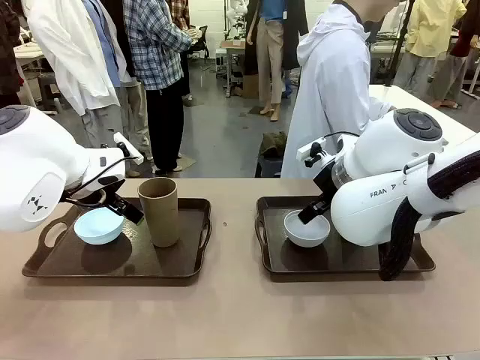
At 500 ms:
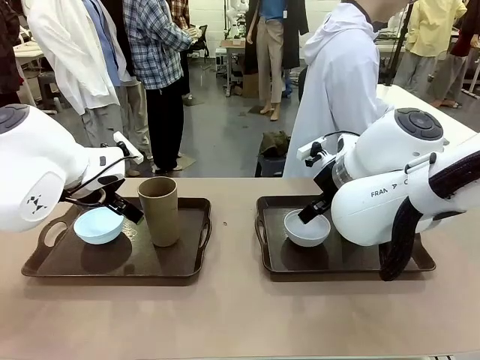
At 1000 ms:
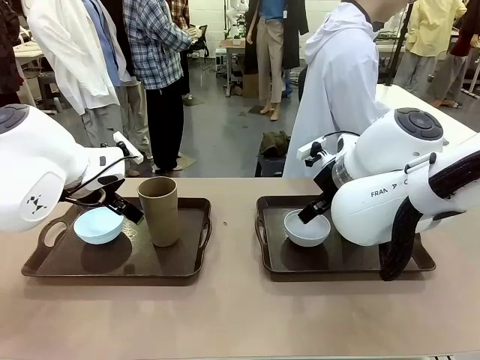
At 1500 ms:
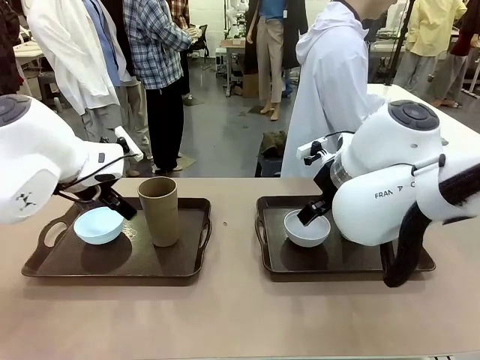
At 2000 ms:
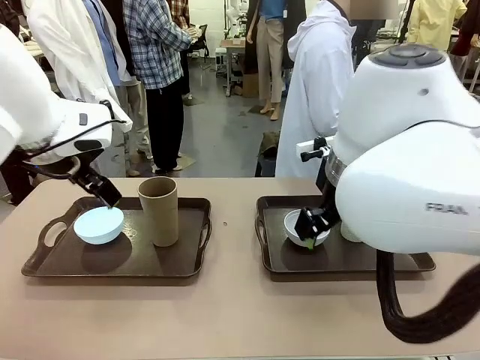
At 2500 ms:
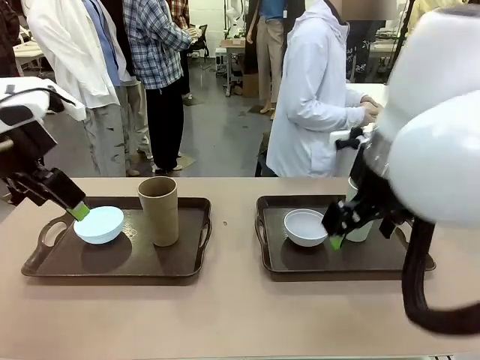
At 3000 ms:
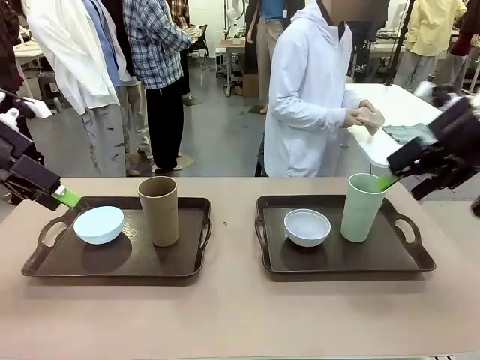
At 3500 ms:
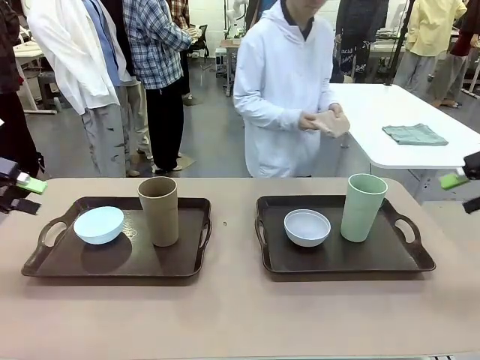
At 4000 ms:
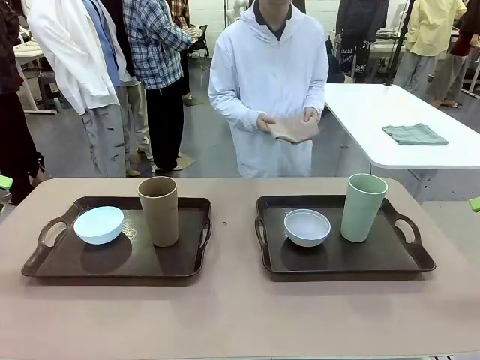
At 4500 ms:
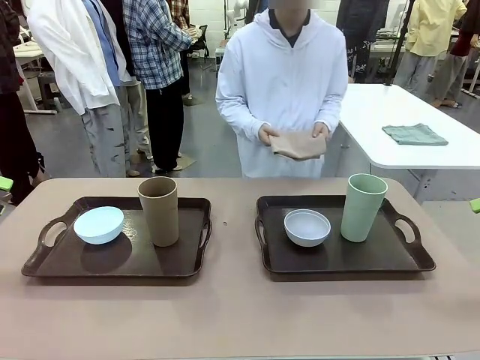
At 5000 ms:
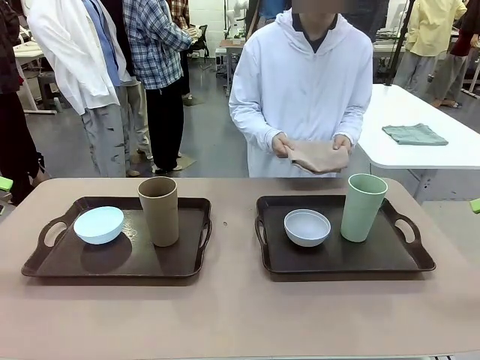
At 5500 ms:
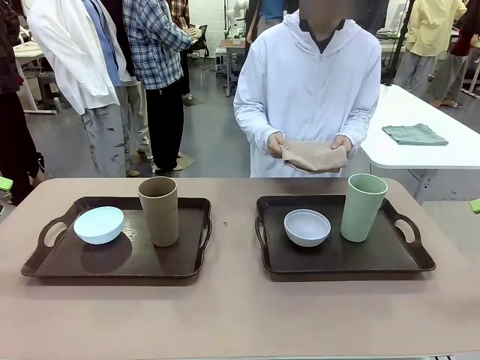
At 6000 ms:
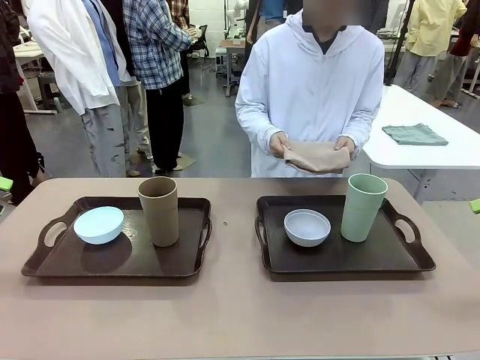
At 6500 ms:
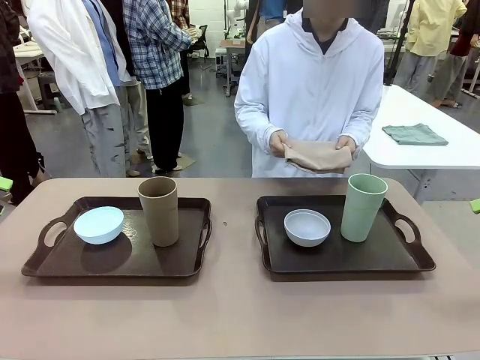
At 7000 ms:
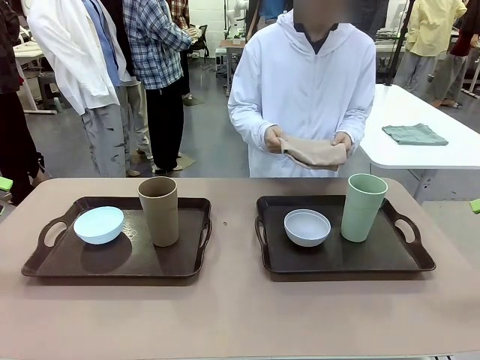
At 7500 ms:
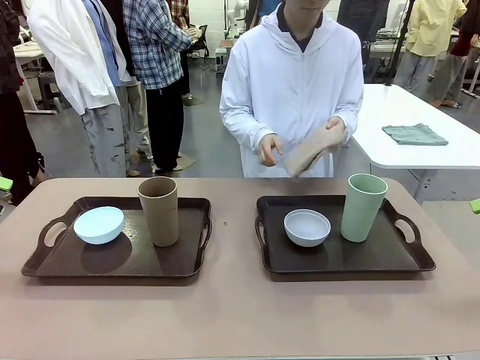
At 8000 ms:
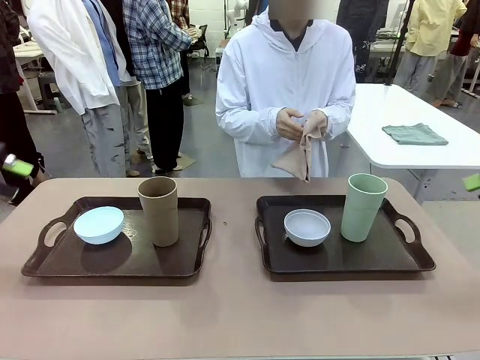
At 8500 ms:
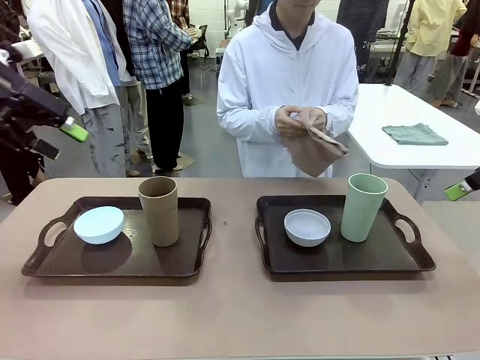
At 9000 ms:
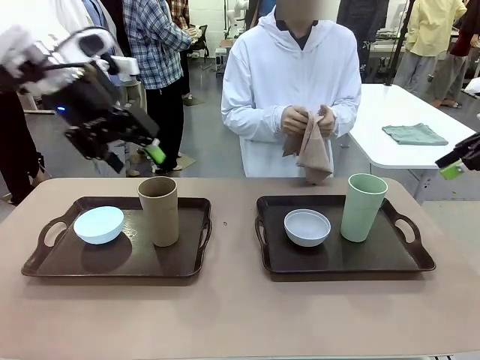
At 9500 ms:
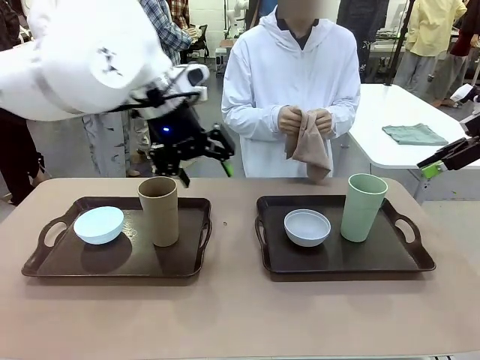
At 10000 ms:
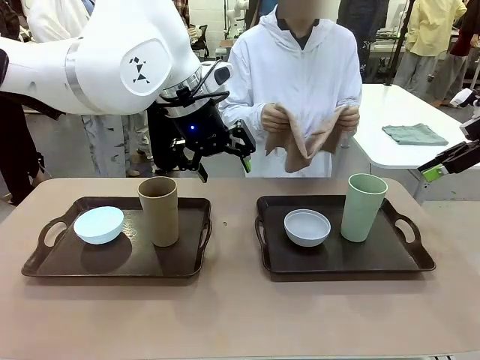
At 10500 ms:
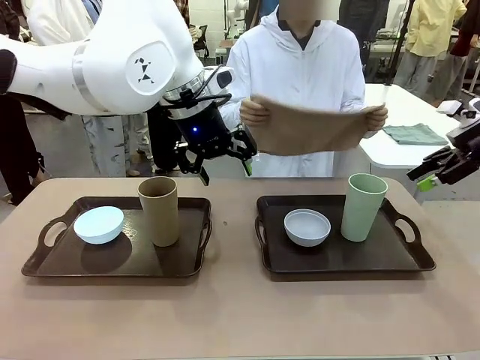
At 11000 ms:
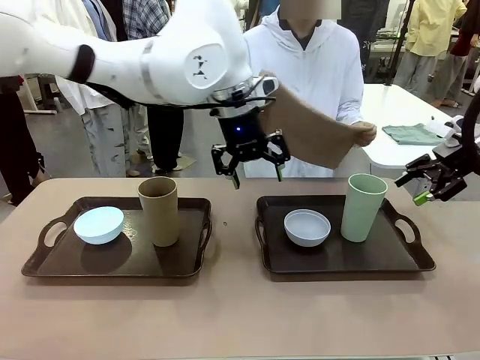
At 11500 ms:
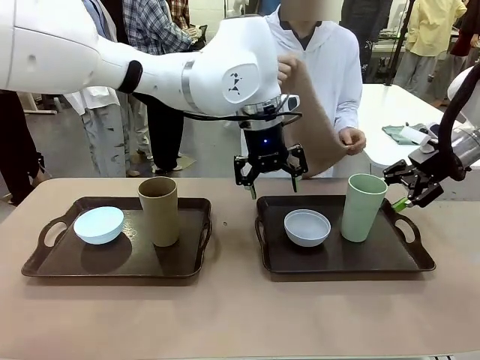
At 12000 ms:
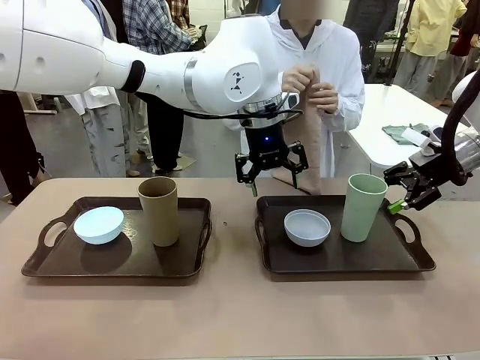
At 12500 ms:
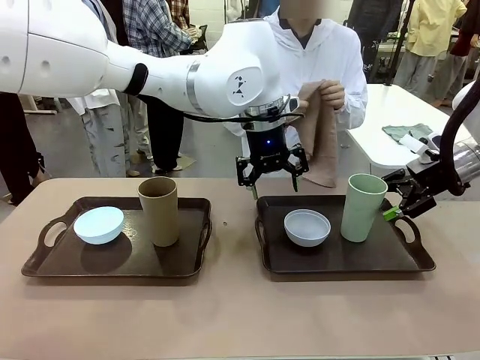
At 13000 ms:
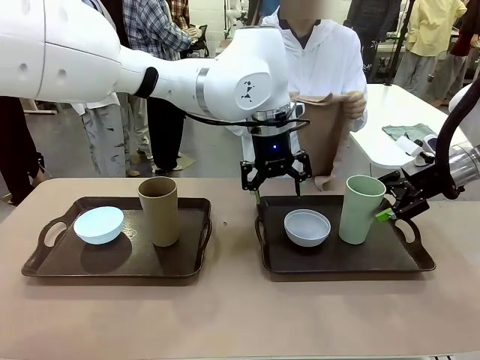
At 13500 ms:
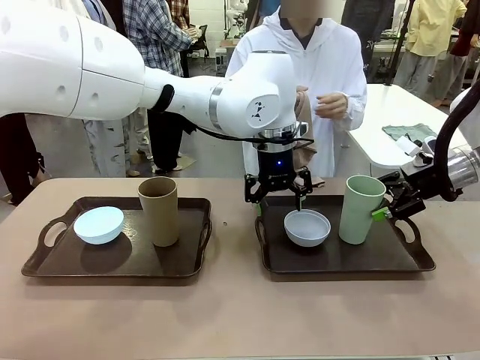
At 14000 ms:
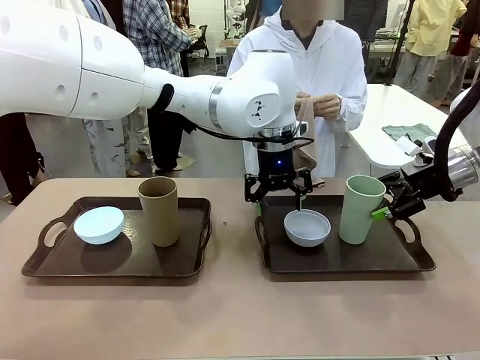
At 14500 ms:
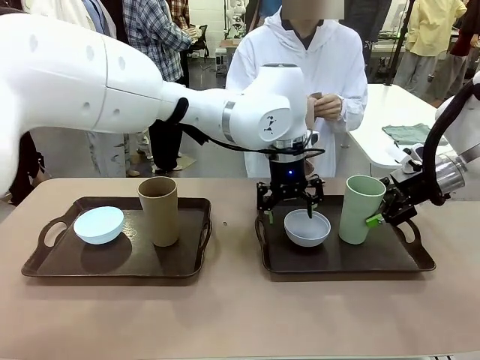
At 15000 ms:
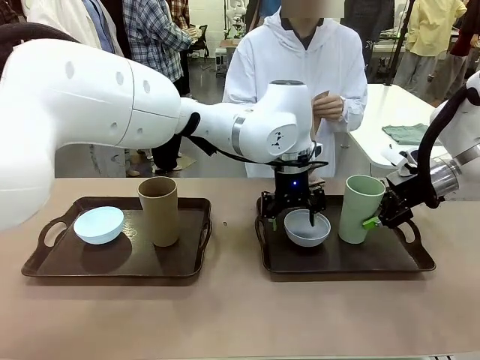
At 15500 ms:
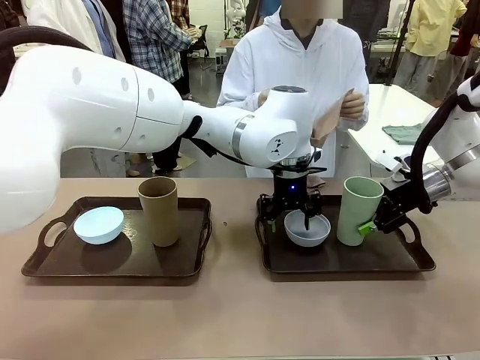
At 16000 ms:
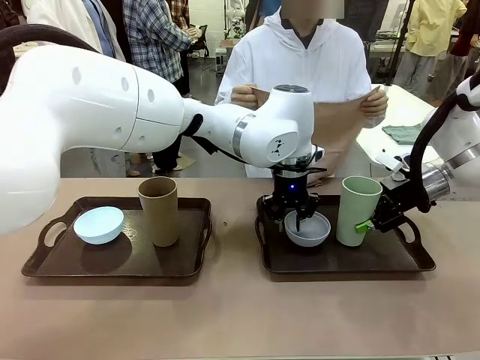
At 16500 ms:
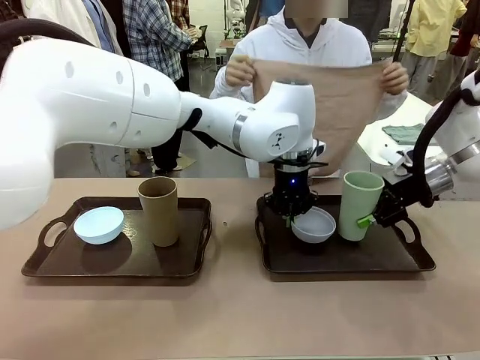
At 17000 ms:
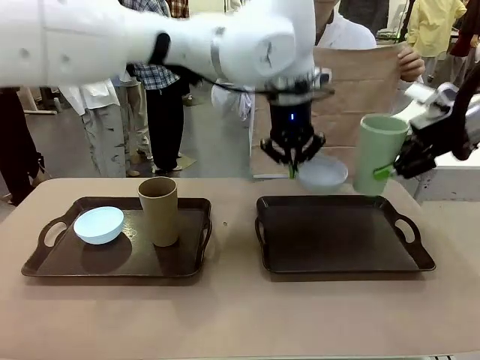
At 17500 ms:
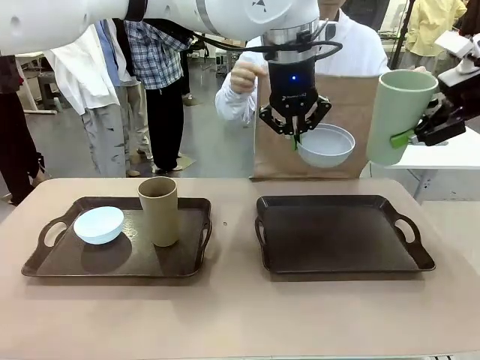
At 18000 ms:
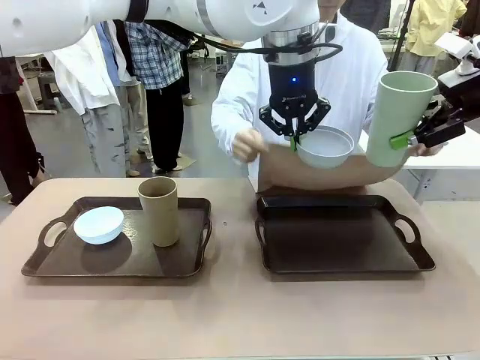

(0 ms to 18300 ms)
Robot: Pick up the Picnic Bowl and Reusable plastic cup from the Handle tray in front of the human's position and hold them in the air.
Person: The human picks up the top napkin from the stack on the human table and walks to the robot table to stand in front of one of the two trays. When the robot lifts the bowl and the cup, the human unfolds the napkin and lays the napkin flat on the tray.

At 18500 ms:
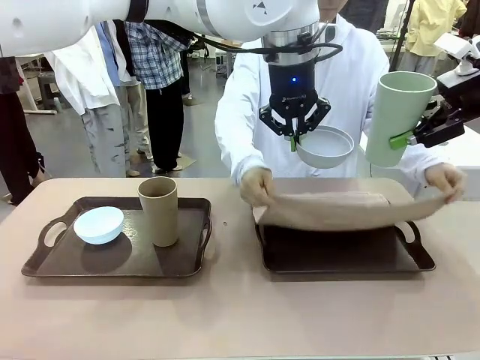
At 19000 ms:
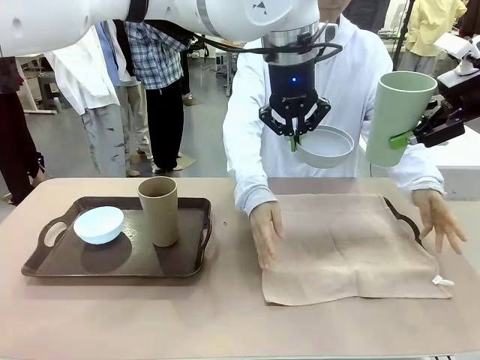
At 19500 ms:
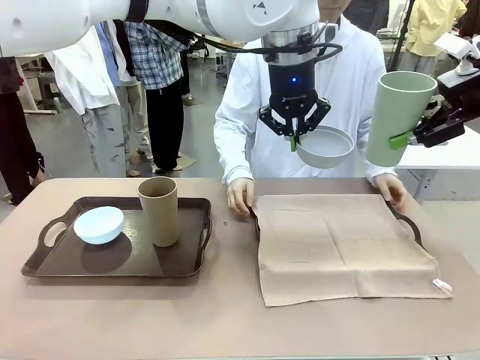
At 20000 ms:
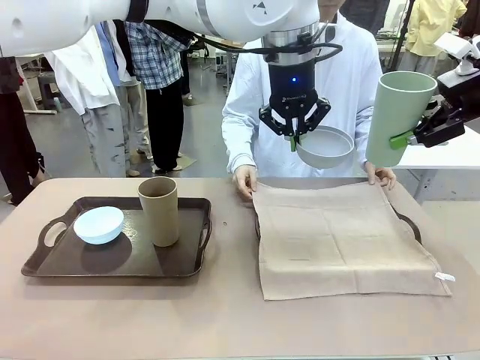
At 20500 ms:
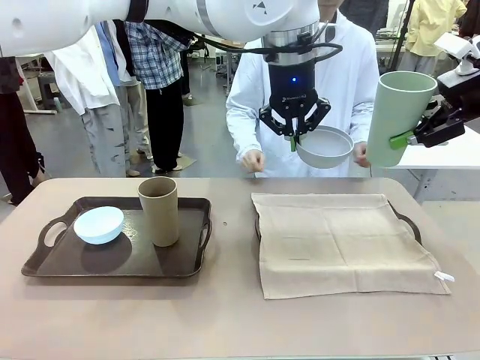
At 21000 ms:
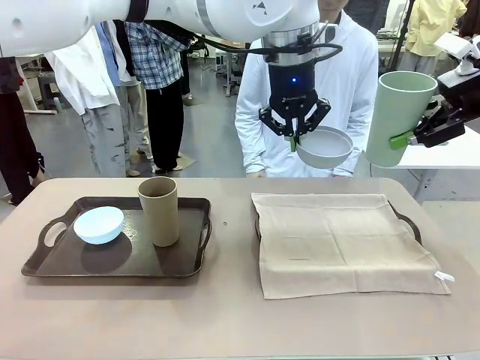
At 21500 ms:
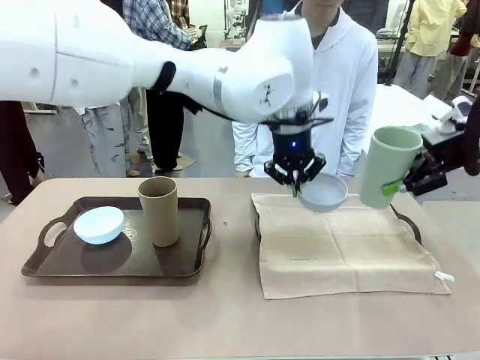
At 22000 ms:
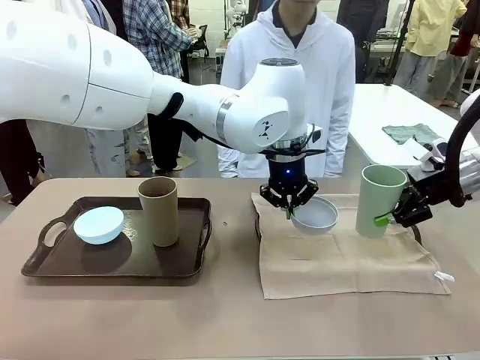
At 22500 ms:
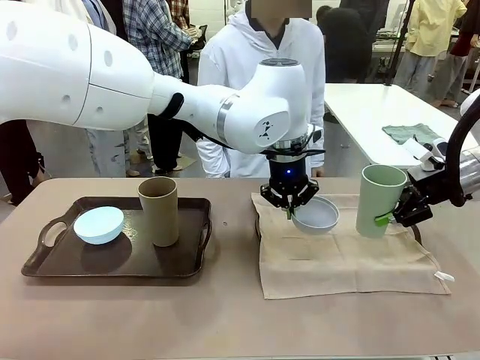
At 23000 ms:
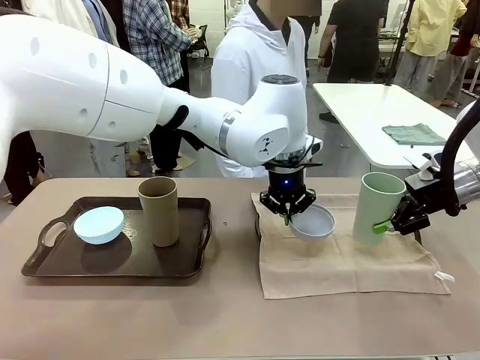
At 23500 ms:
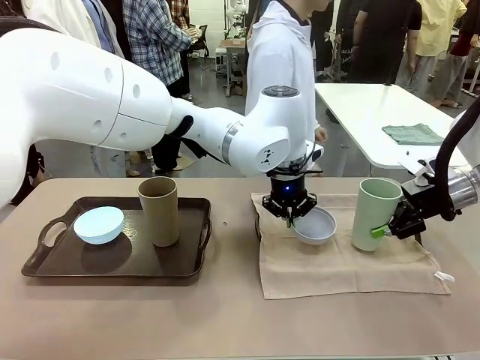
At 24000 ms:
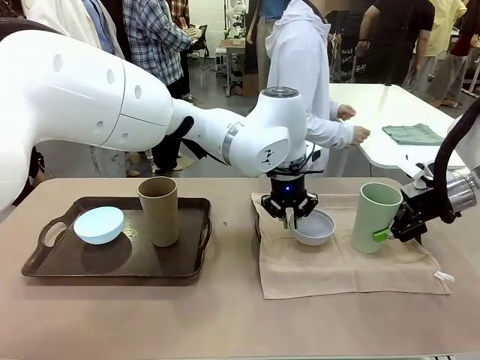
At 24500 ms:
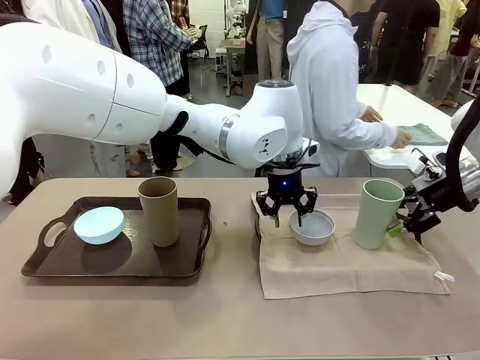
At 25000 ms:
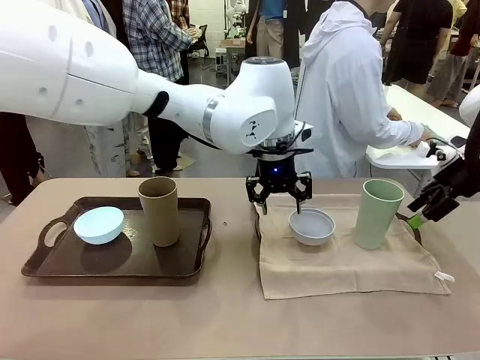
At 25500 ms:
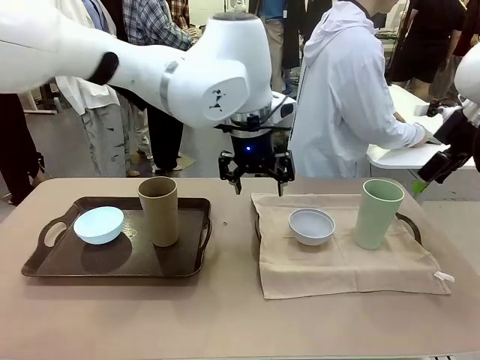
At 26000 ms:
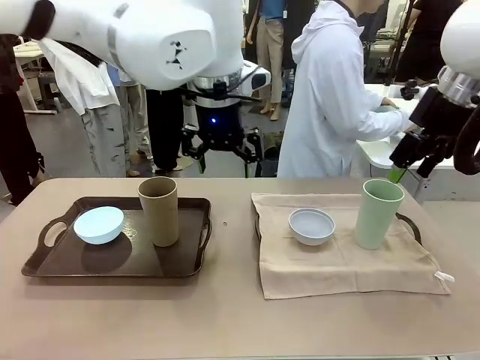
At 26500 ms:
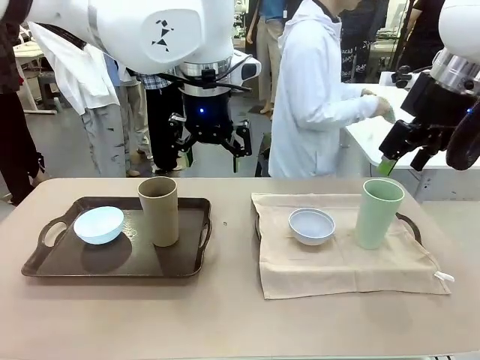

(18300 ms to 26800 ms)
Robot: Place the Picnic Bowl and Reusable plastic cup back onto the Handle tray in front of the human's position.
Person: The human returns to the human table to pick up another napkin and walks to the robot table to stand in front of the tray without a napkin.
